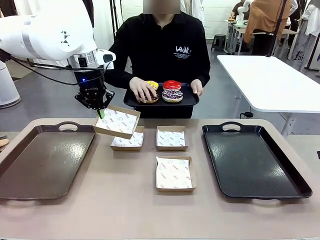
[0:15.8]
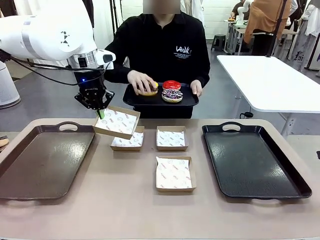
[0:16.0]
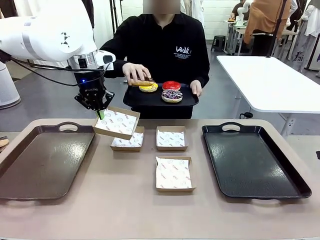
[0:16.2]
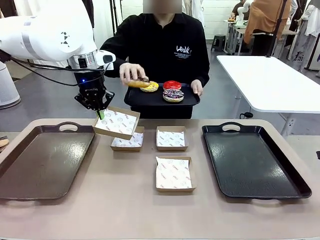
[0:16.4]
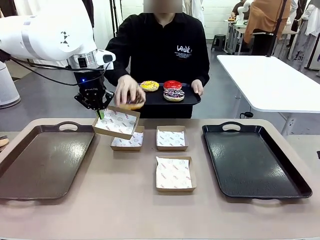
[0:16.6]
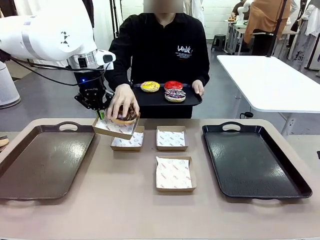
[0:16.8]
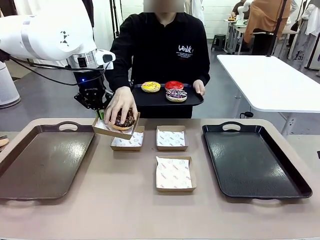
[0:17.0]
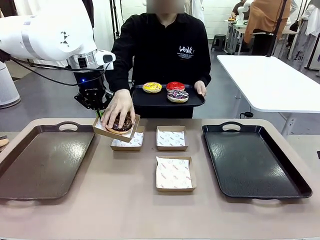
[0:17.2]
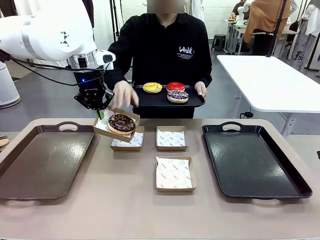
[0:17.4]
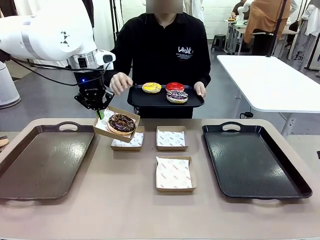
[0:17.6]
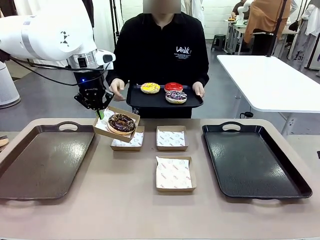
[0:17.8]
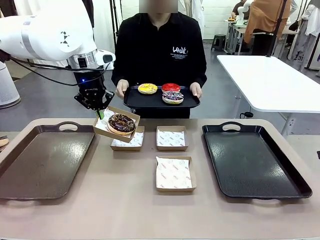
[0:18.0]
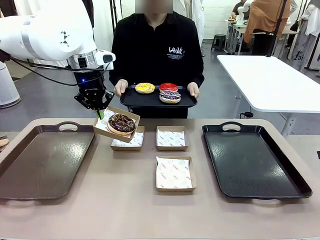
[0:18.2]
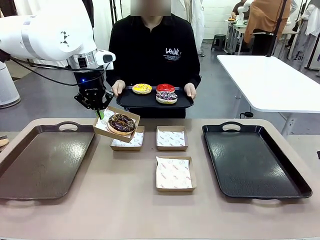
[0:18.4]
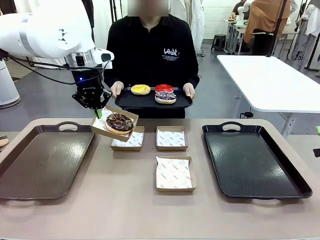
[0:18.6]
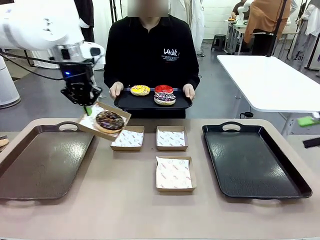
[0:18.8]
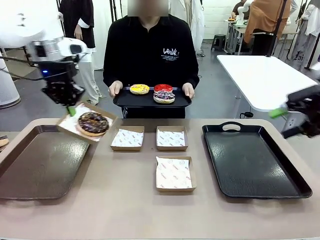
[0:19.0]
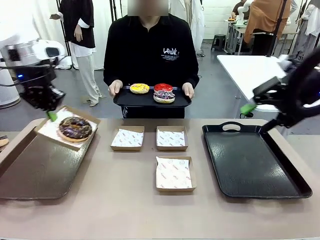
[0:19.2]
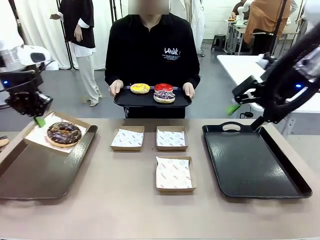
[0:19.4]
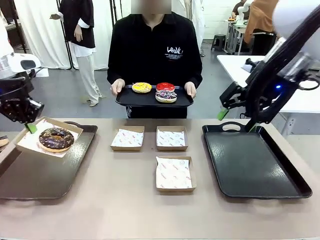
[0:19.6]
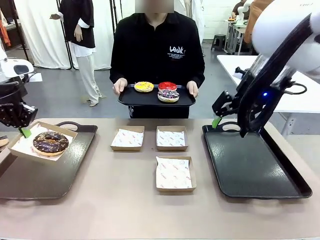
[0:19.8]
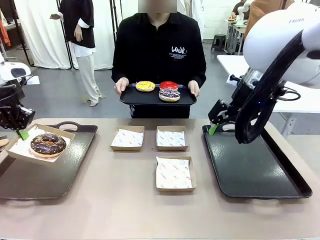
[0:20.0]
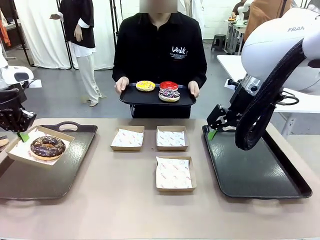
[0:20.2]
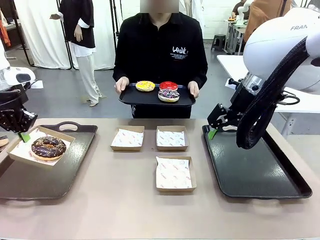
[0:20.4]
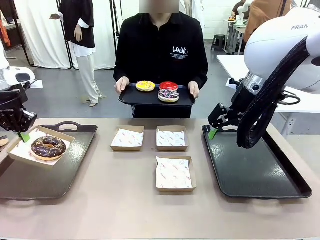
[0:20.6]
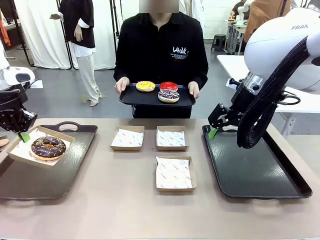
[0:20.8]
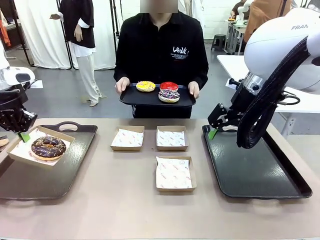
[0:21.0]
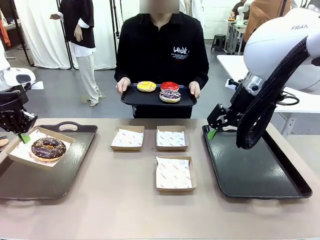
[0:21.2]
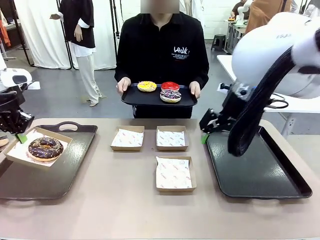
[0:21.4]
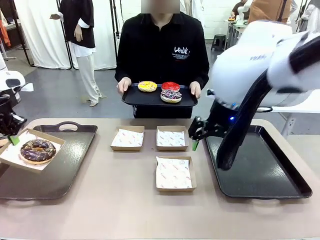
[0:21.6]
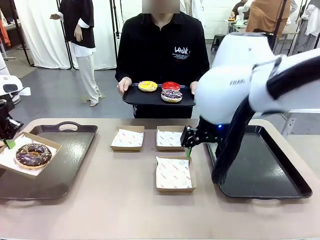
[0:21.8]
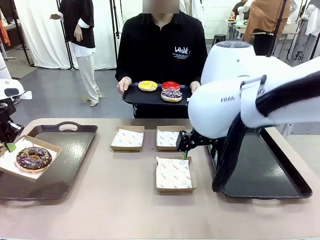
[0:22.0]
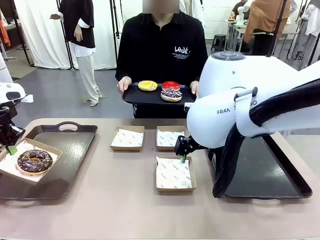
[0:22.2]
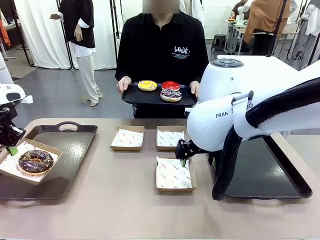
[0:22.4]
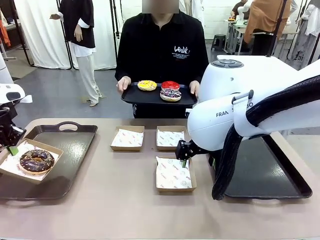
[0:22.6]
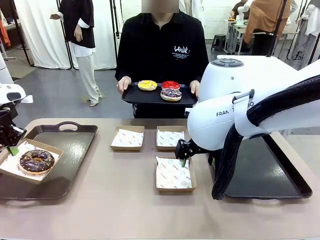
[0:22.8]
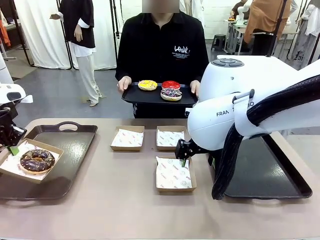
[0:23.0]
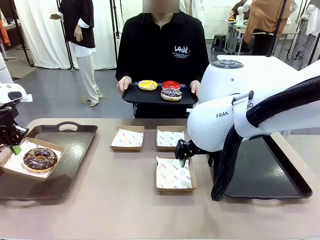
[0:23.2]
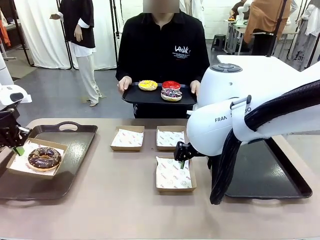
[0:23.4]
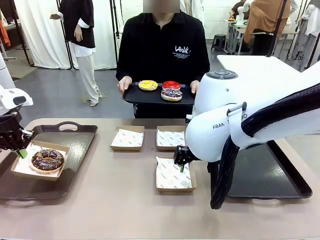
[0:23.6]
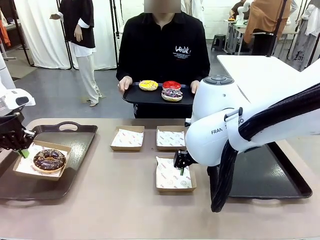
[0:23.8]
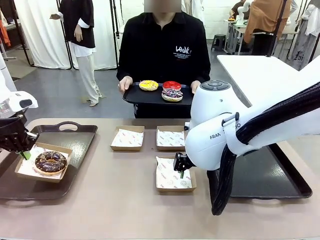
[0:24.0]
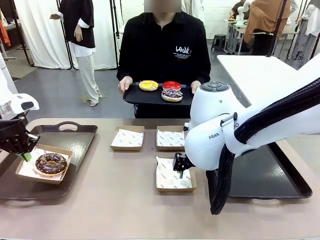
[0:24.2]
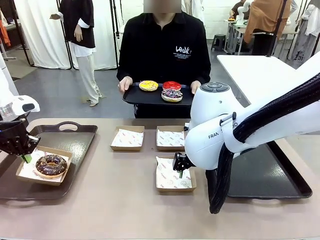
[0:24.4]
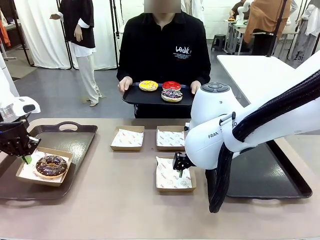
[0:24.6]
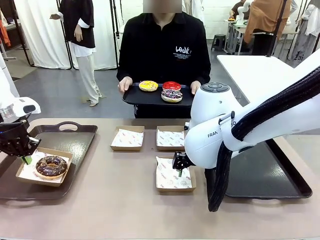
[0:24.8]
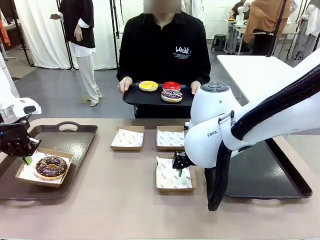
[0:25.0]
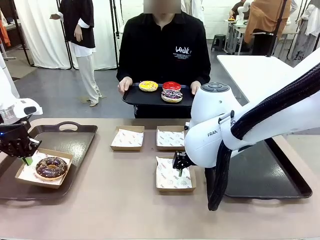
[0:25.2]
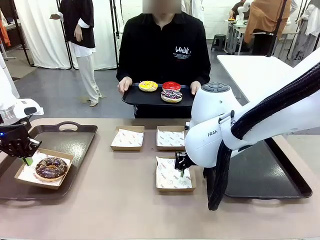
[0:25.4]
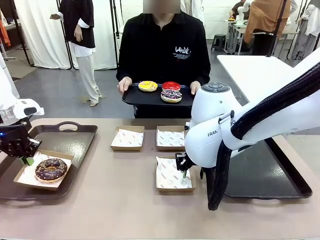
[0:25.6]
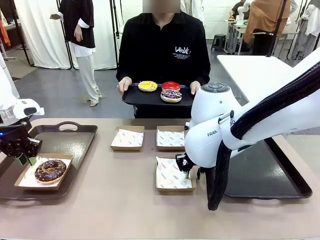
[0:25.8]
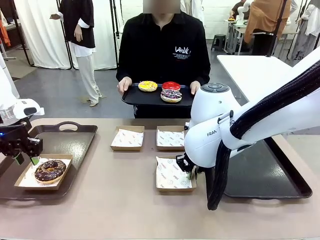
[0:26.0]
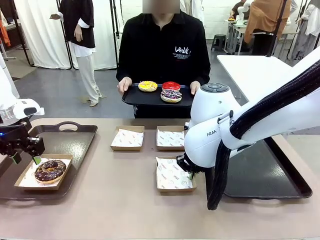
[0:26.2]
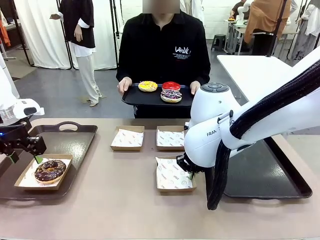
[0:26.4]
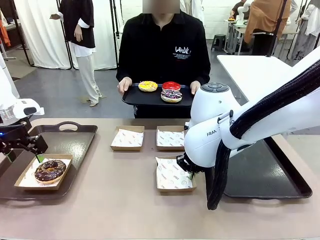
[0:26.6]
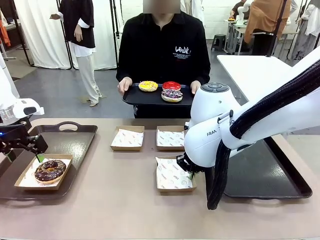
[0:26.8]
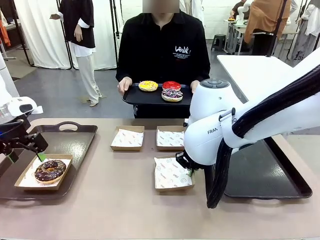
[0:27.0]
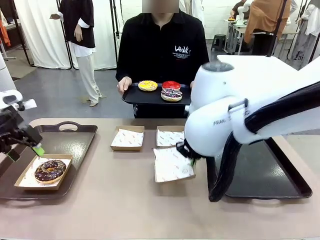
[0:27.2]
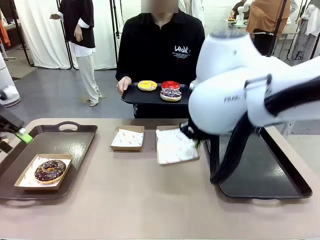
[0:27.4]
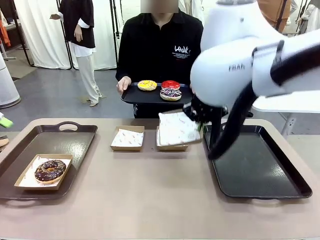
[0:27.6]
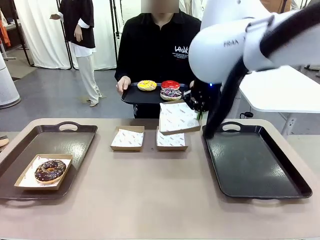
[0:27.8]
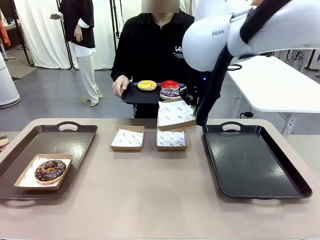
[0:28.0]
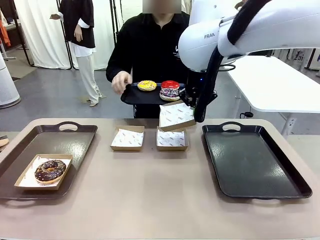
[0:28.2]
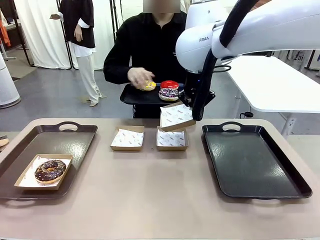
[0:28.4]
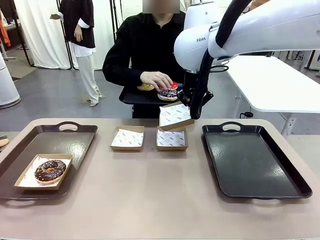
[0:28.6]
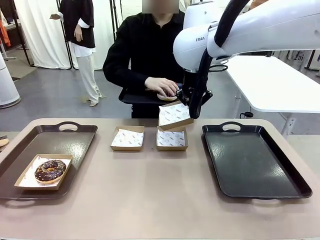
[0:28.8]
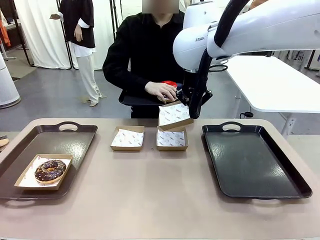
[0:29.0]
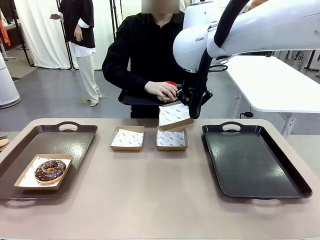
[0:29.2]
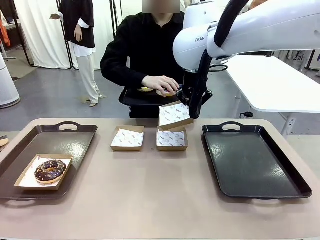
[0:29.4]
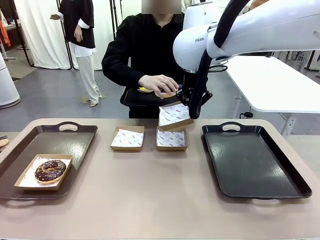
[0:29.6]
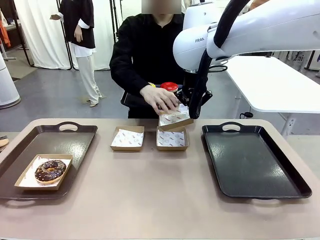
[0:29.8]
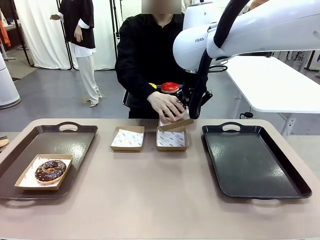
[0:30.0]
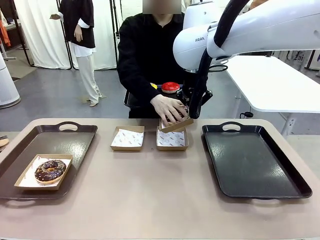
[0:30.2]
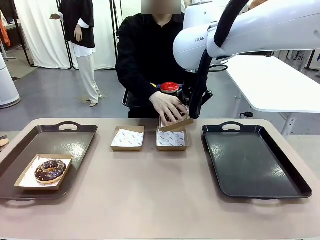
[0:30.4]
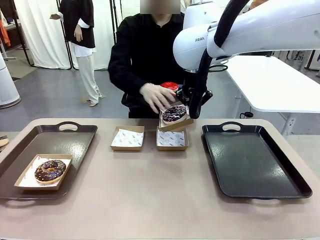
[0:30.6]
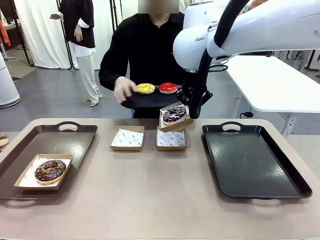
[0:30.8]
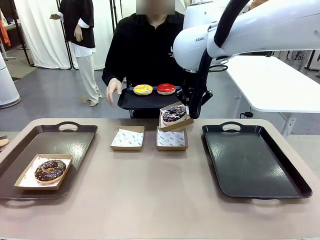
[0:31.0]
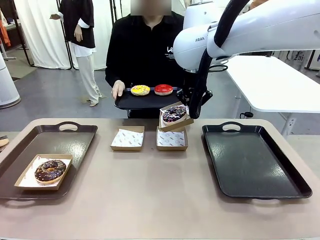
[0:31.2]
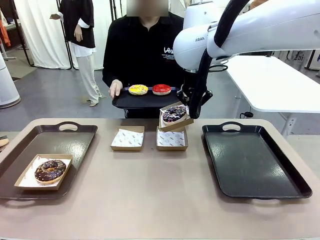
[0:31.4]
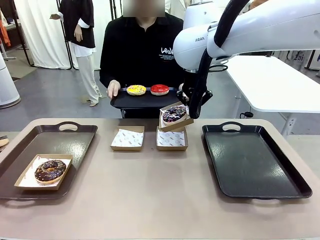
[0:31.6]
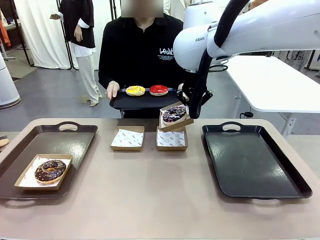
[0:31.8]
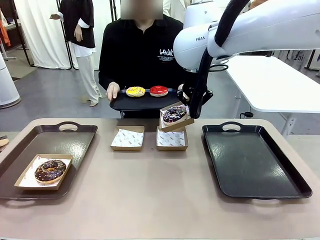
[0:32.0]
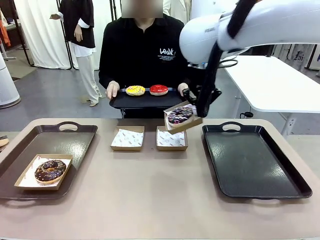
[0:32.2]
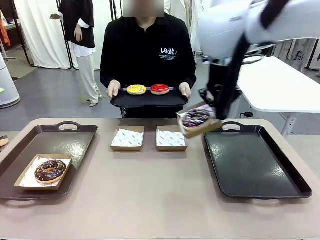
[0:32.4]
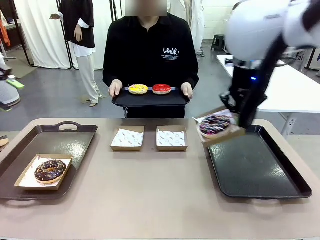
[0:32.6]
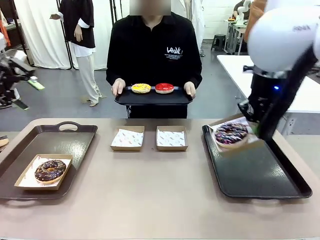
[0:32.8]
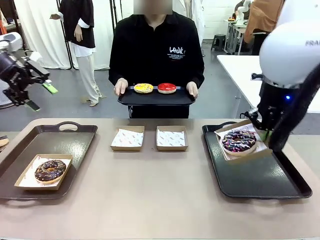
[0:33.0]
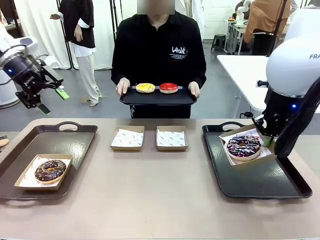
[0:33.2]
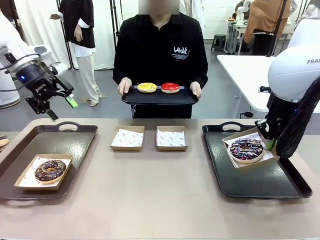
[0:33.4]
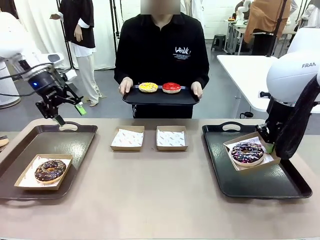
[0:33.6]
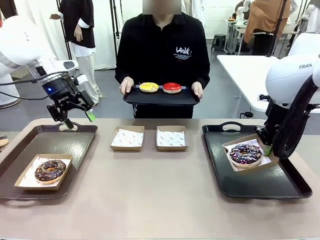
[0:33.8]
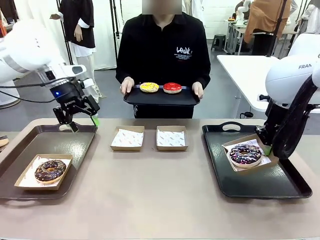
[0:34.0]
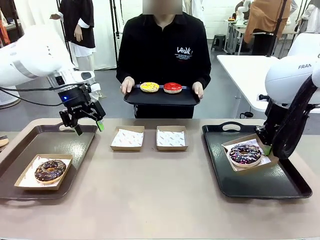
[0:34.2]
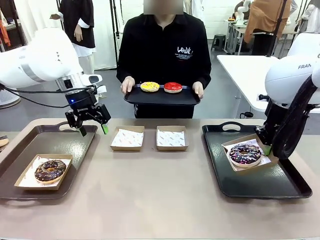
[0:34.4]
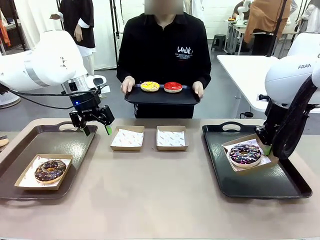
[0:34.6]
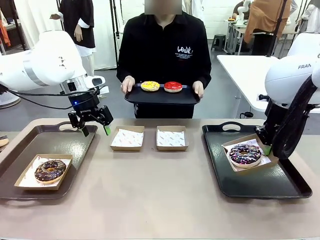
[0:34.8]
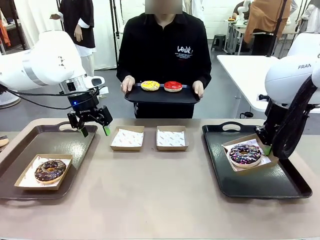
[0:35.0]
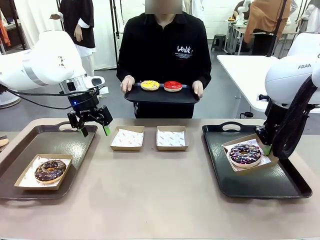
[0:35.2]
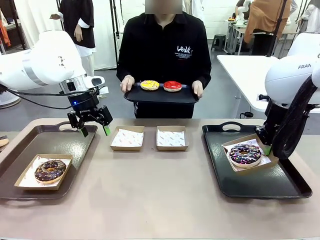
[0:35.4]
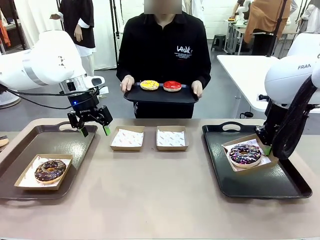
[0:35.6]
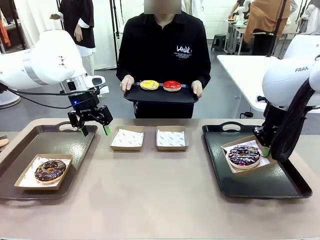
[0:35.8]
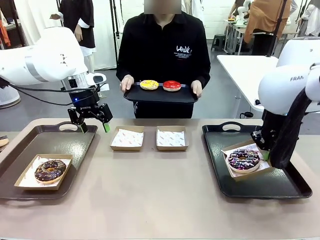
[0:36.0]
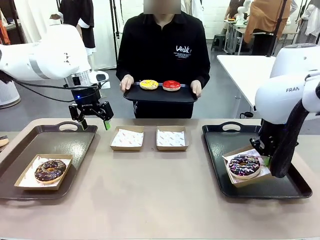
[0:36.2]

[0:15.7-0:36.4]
Task: Individually package the donuts and arrange them on the tray.
Robot: Place the picked Paper togo box on the Handle tray while simultaneously picking up another Paper togo box from the table with the other hand.
